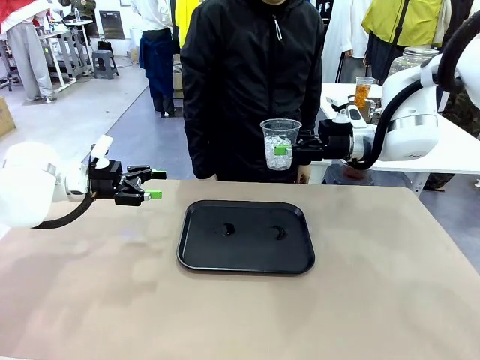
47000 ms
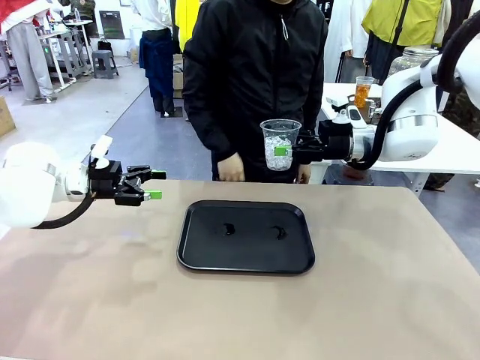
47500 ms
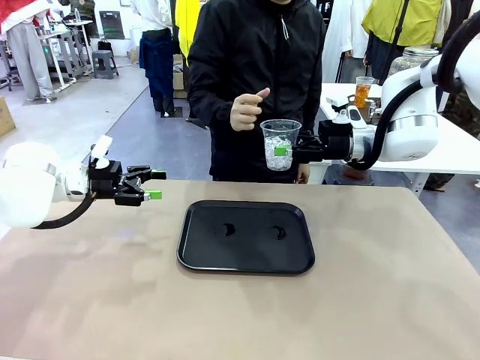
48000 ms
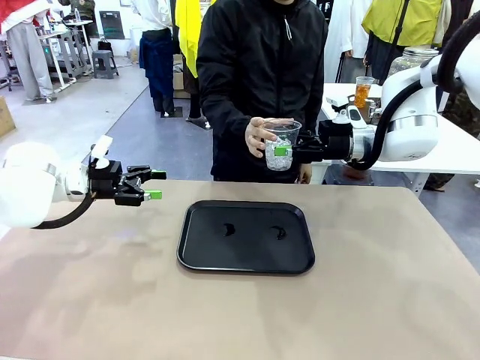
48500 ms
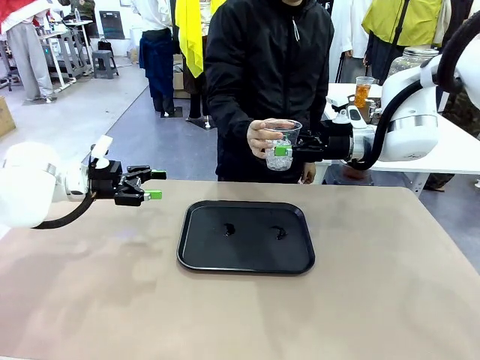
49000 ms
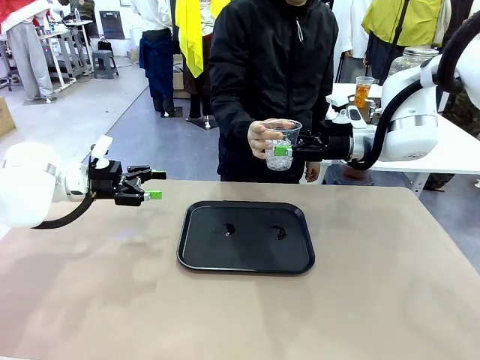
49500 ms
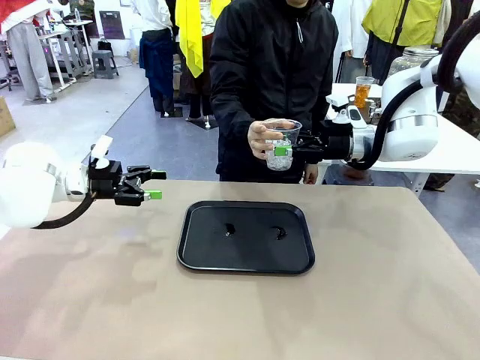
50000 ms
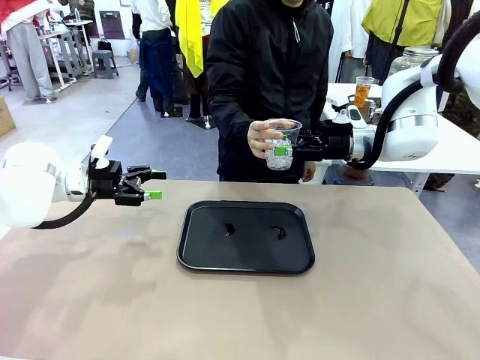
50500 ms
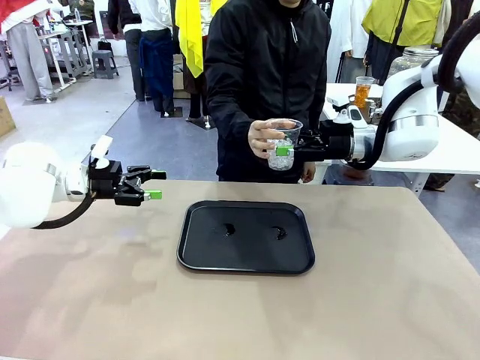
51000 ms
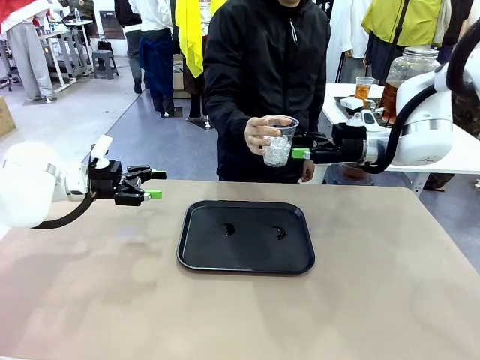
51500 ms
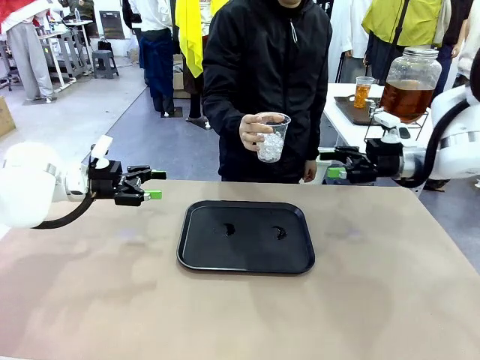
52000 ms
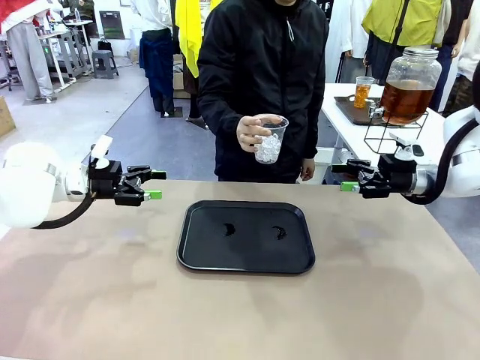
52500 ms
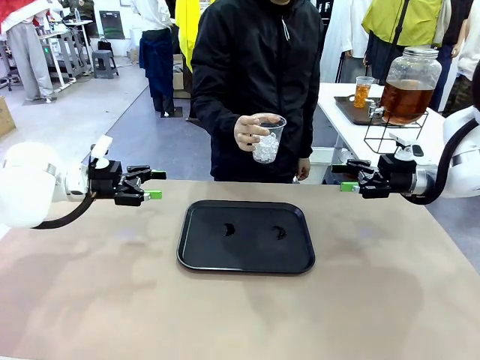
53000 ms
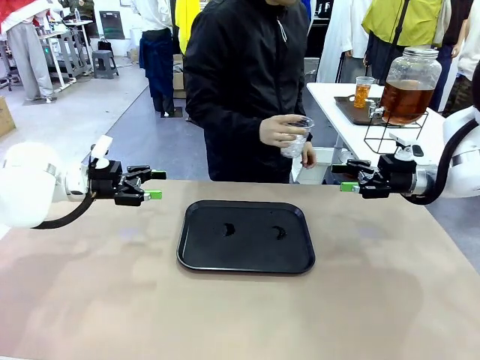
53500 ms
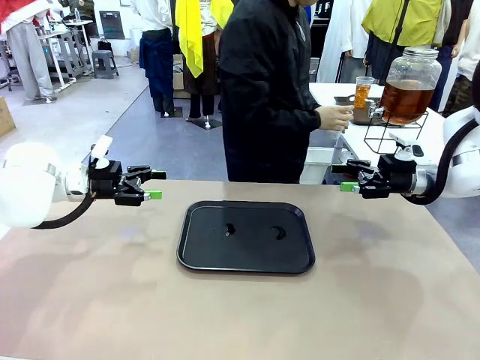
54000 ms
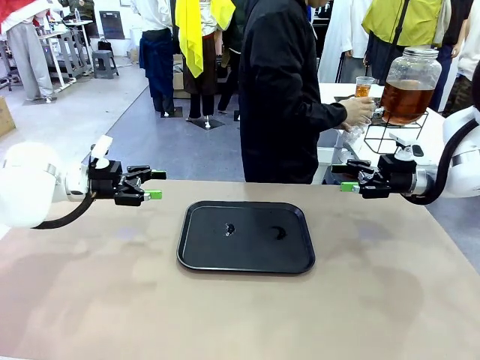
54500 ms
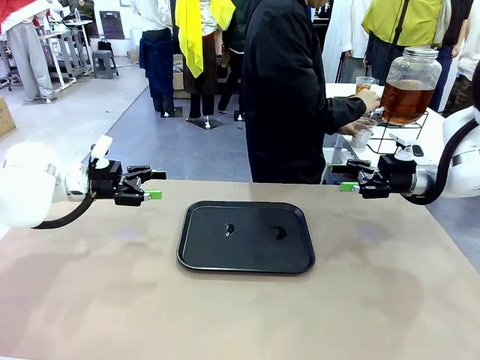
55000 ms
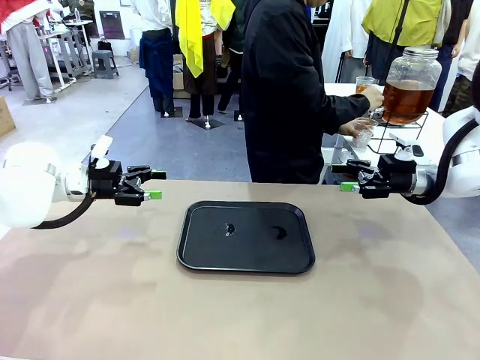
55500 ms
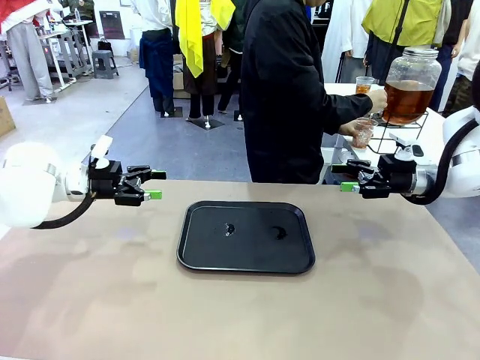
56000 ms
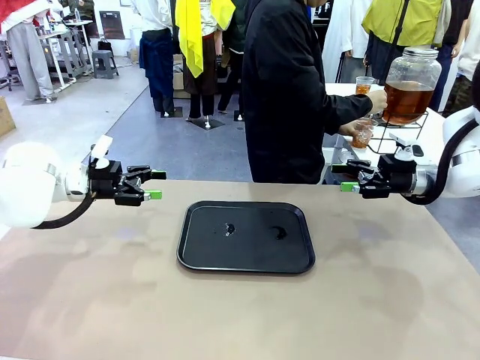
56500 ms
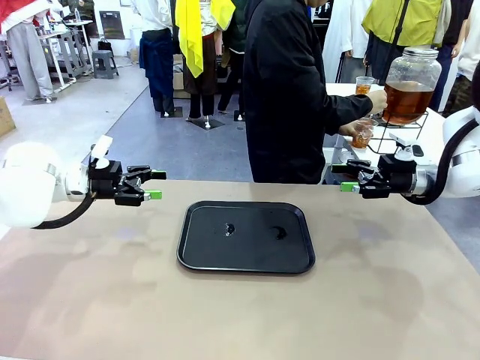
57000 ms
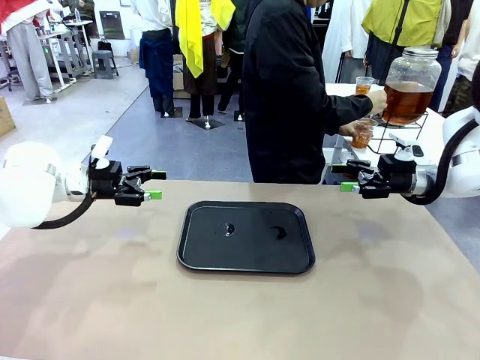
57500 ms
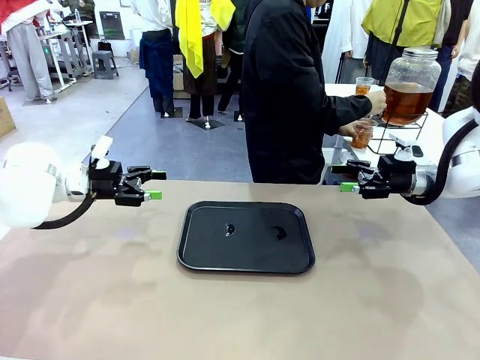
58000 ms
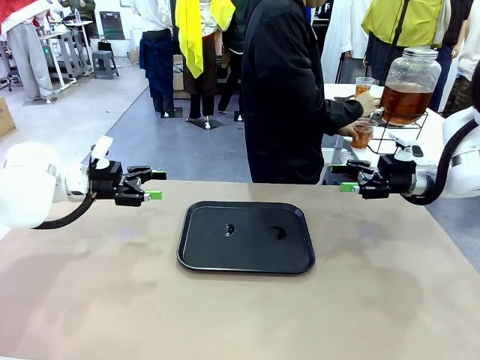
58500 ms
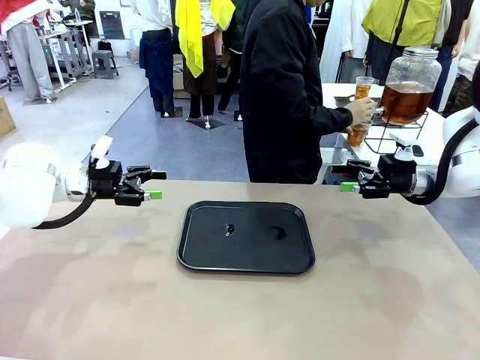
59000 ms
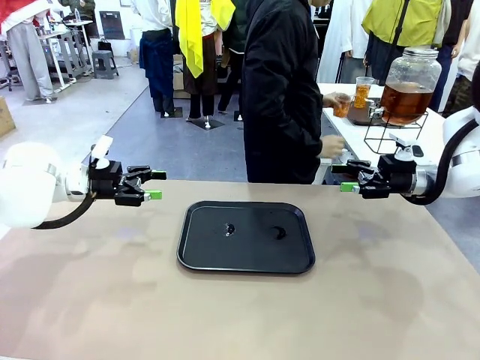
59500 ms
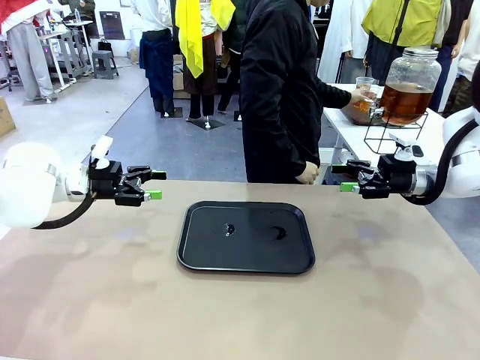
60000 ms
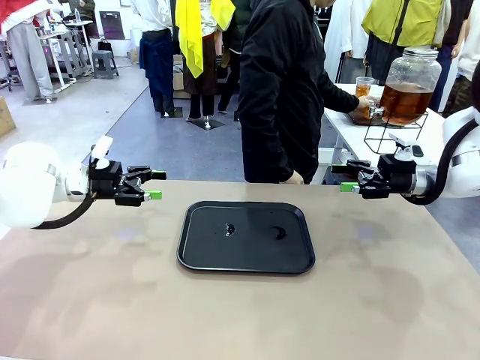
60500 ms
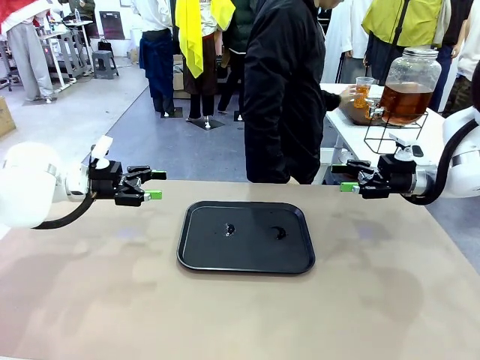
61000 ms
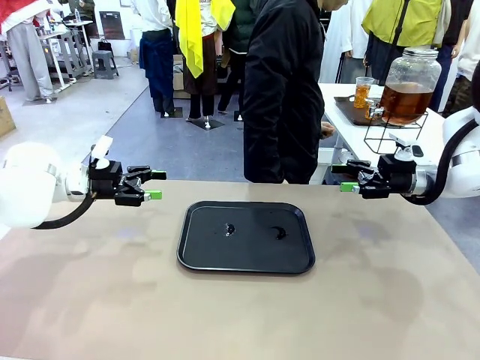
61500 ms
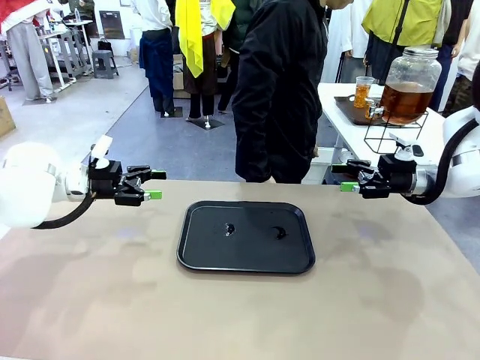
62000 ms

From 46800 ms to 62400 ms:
Task: Pour the drink into the iced cup.
Robot: Open the gripper to release the iced cup you were holding.
Person: Move the picked-up cup under the dispenser faucet, pour the drink, and place it on the tray on the human table.

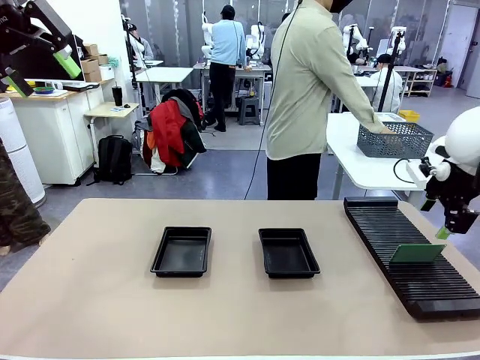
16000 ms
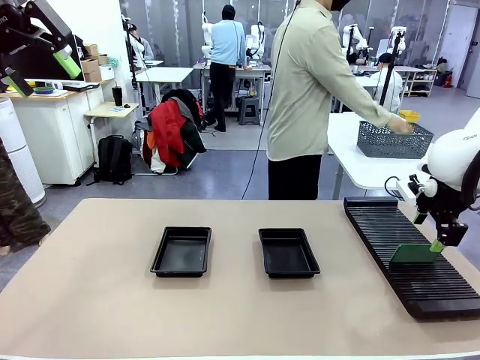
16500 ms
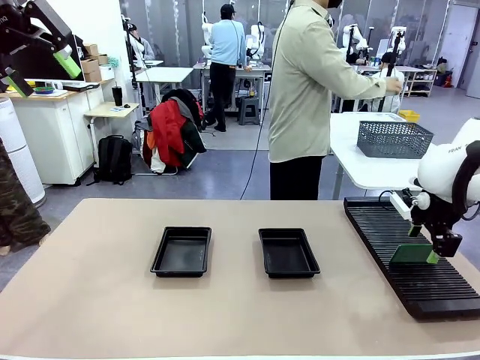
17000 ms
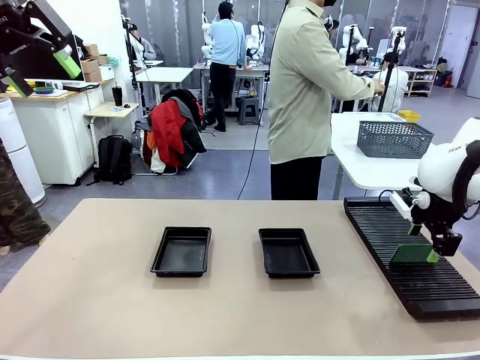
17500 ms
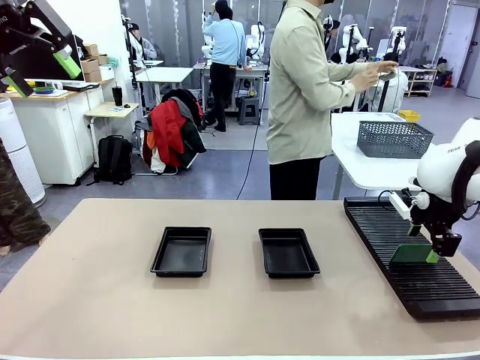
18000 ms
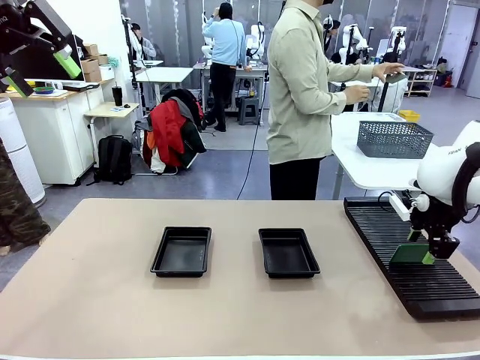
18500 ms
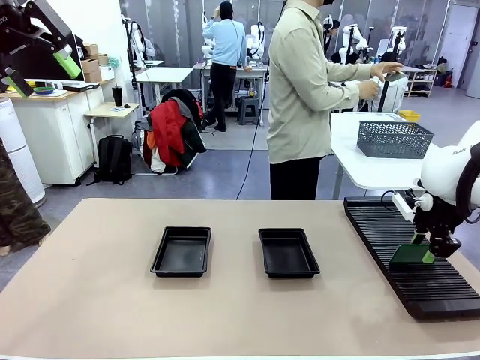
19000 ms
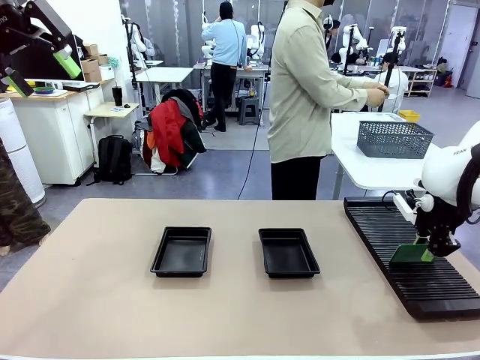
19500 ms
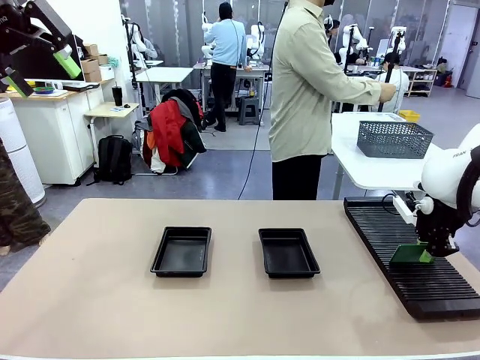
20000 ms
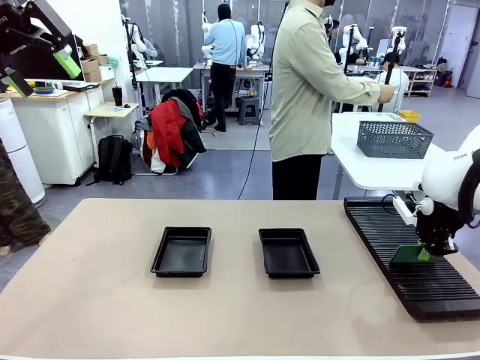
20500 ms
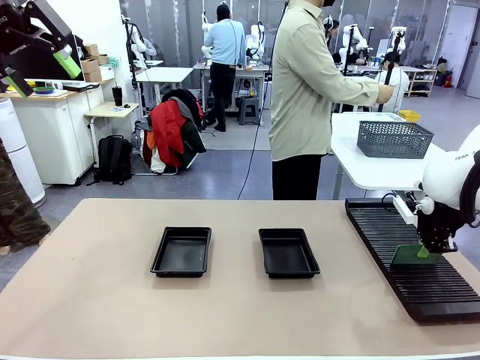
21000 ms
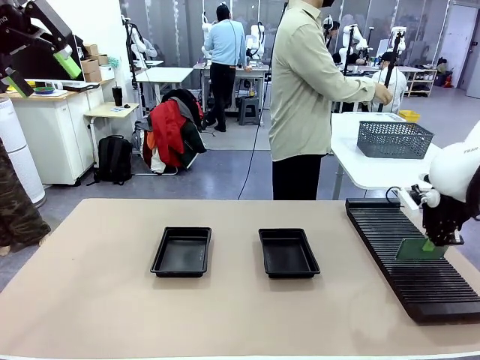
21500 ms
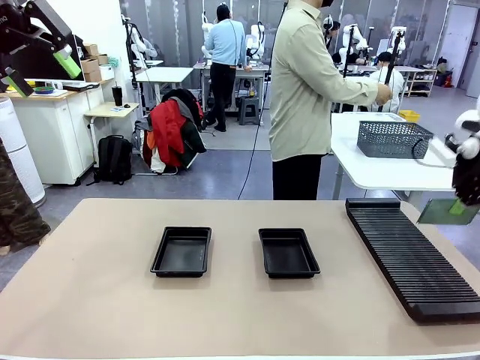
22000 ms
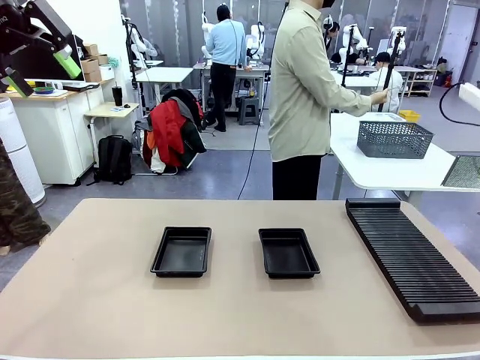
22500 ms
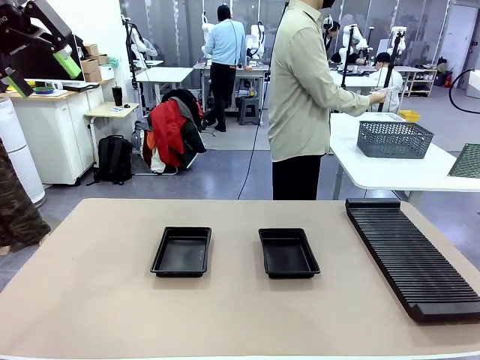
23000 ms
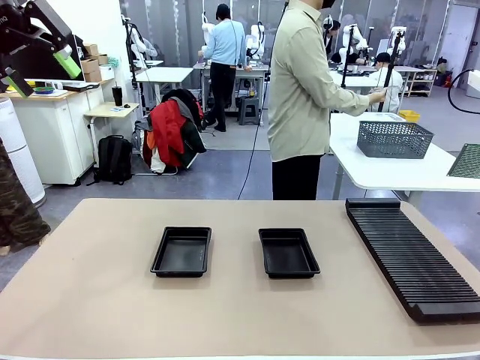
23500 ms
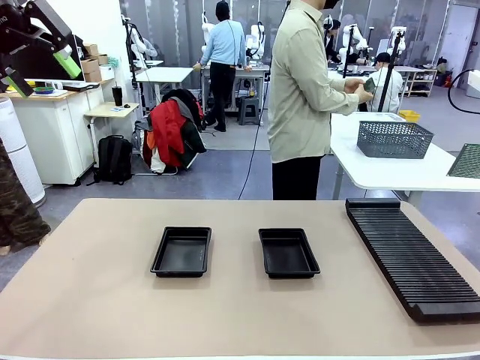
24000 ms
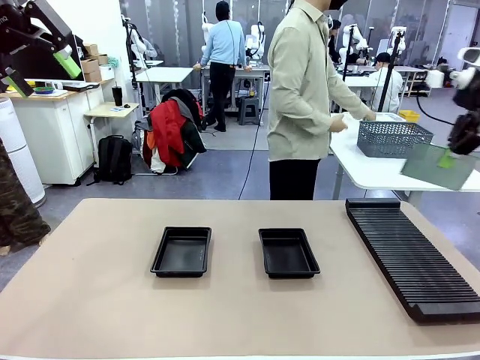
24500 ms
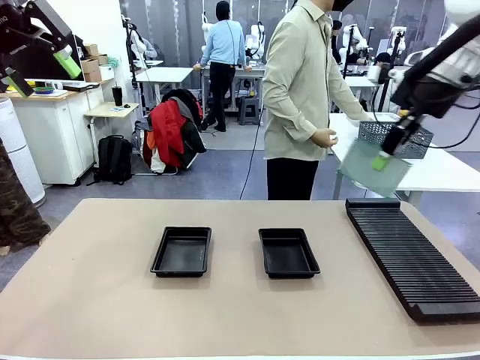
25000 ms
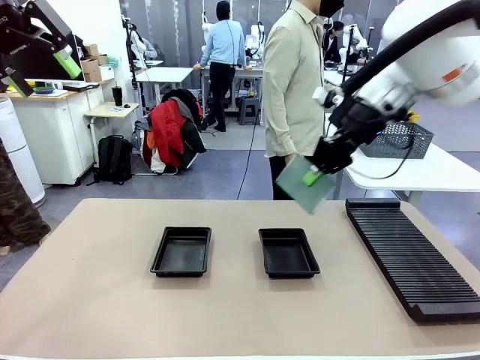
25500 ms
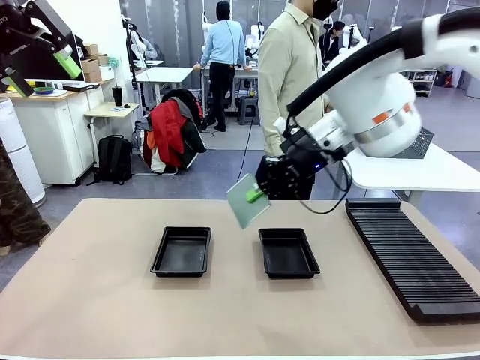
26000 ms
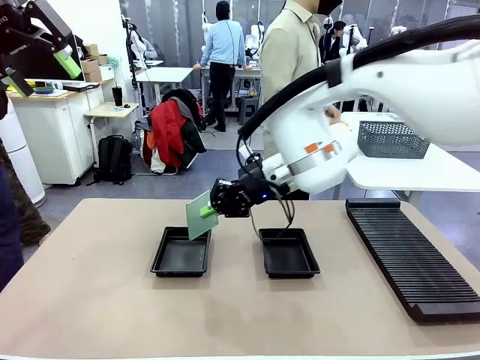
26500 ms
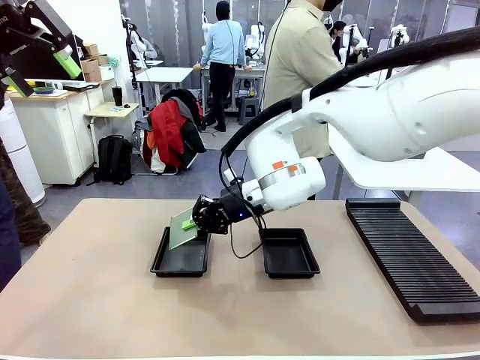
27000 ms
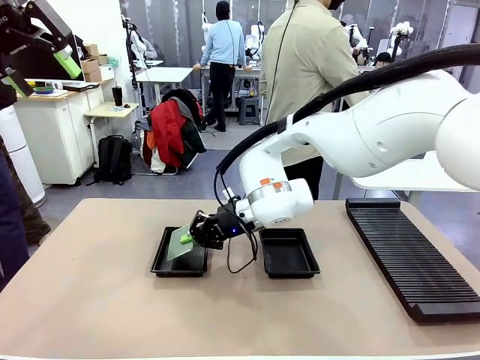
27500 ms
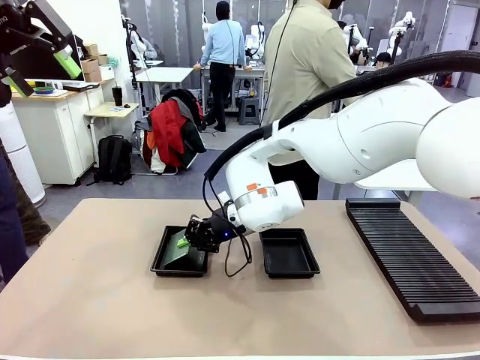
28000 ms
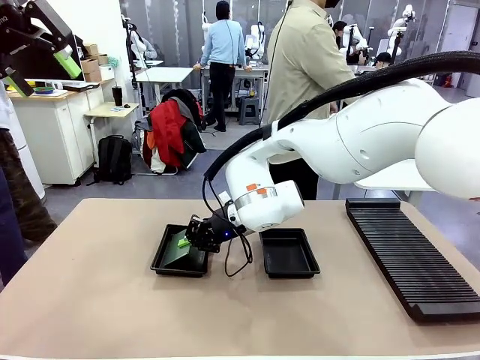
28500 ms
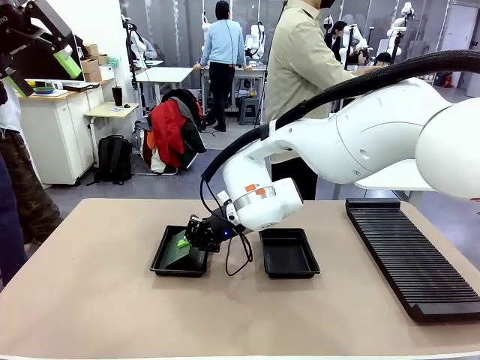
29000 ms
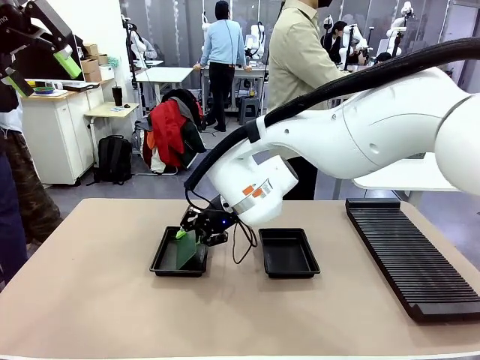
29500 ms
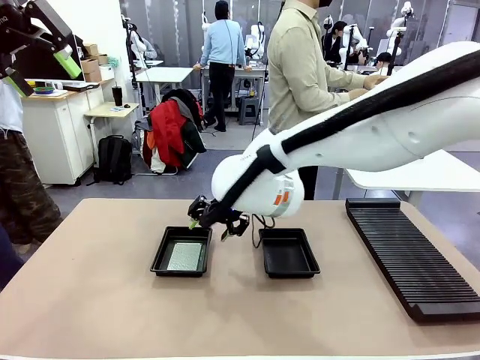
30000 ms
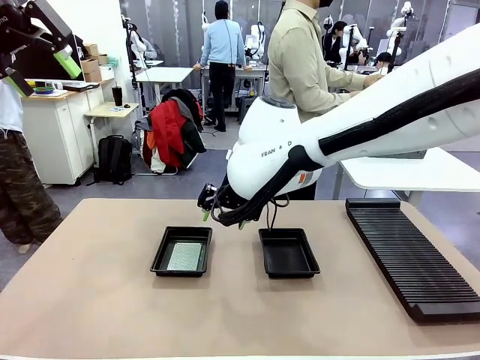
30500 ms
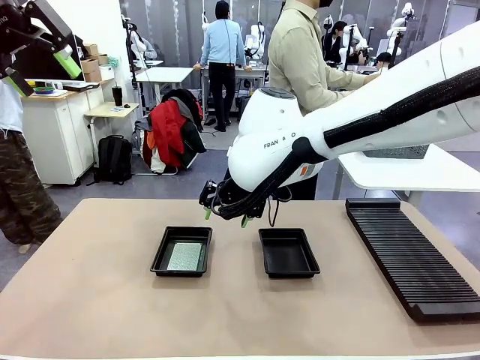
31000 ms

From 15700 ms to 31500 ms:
Task: Inspect and transfer BCBs to ESD trays.
Robot: Pick up the Blank PCB from the PCB Rack and place it in the left ESD tray.
